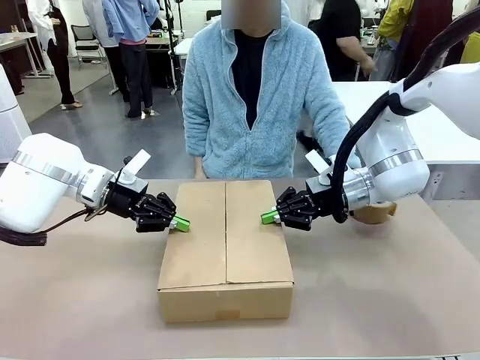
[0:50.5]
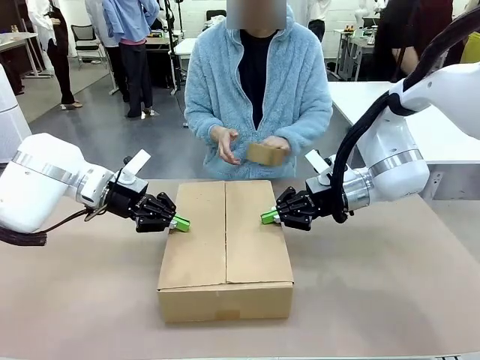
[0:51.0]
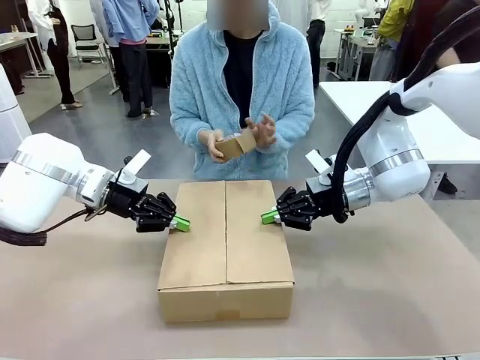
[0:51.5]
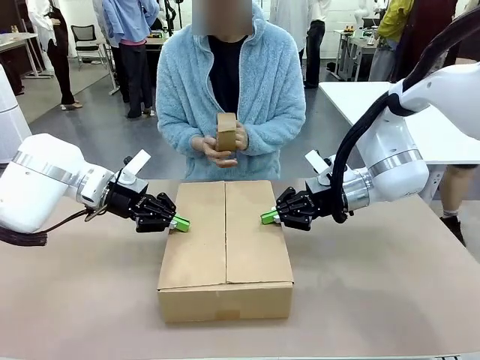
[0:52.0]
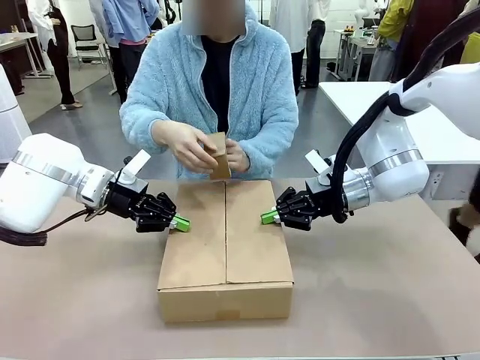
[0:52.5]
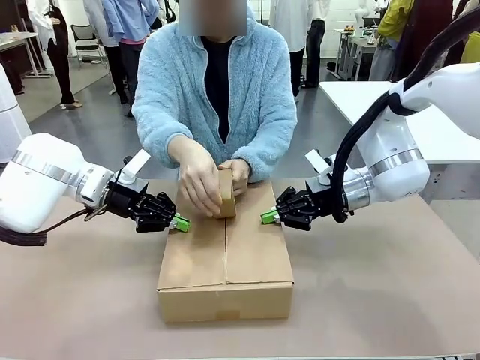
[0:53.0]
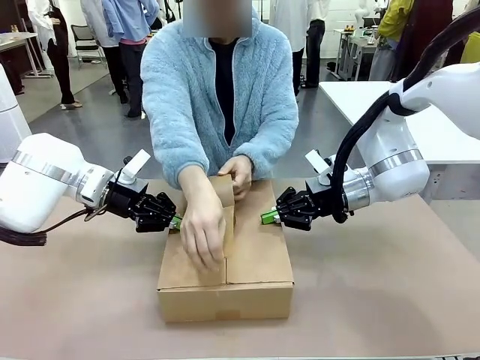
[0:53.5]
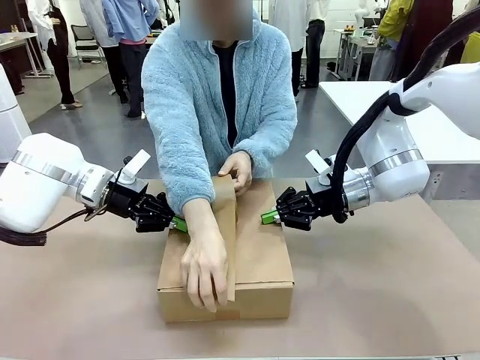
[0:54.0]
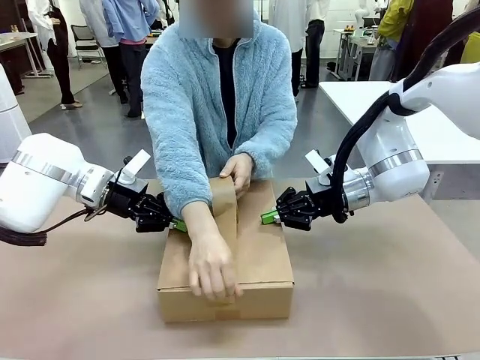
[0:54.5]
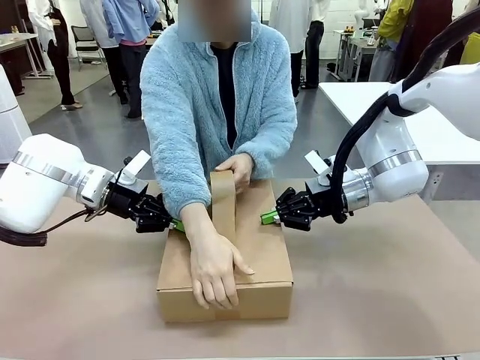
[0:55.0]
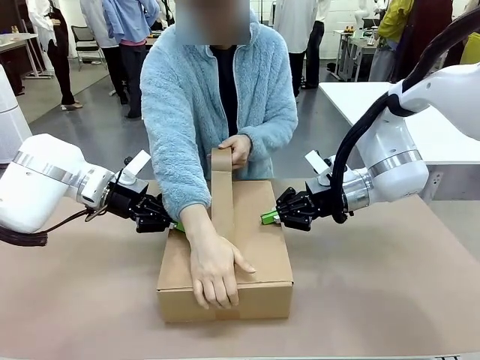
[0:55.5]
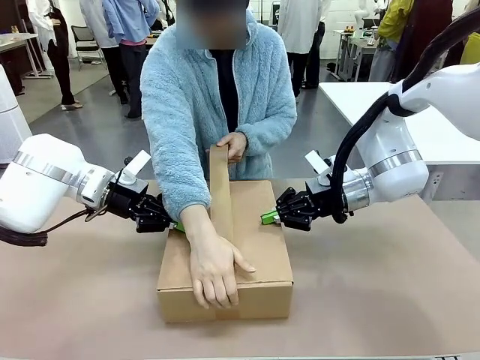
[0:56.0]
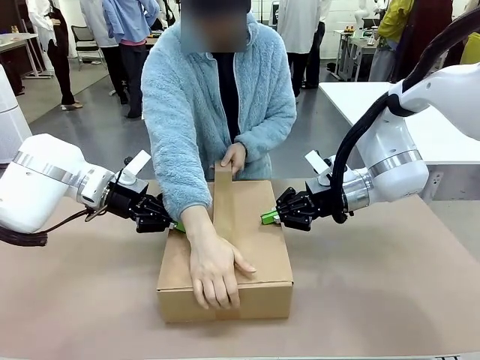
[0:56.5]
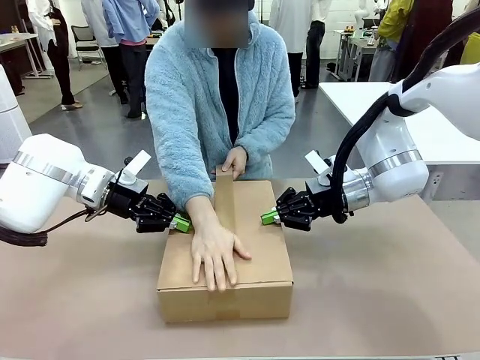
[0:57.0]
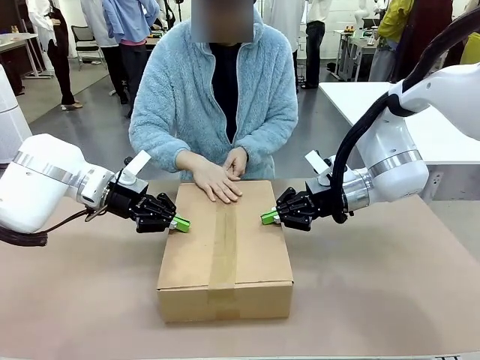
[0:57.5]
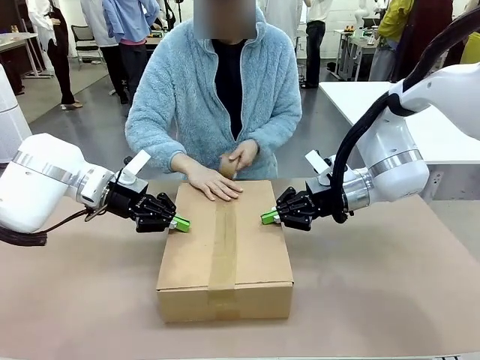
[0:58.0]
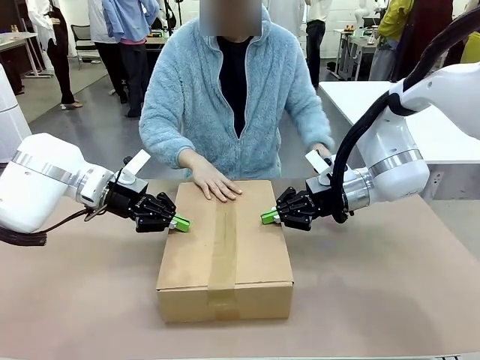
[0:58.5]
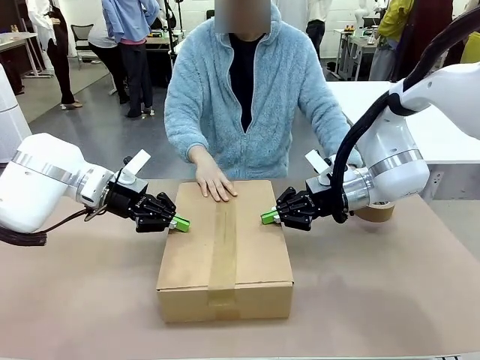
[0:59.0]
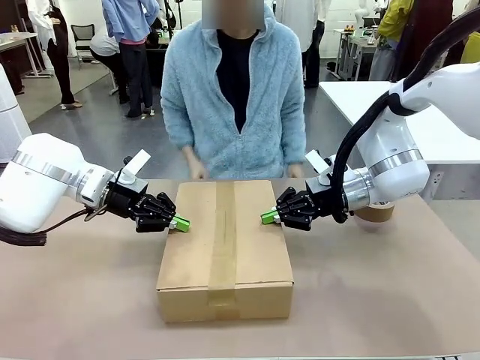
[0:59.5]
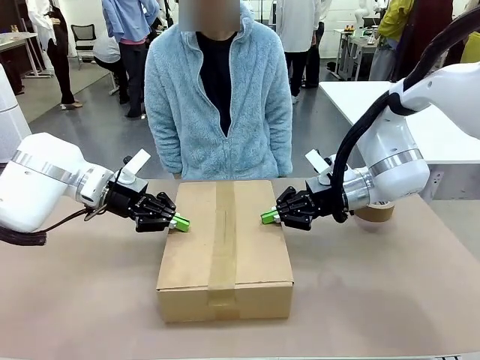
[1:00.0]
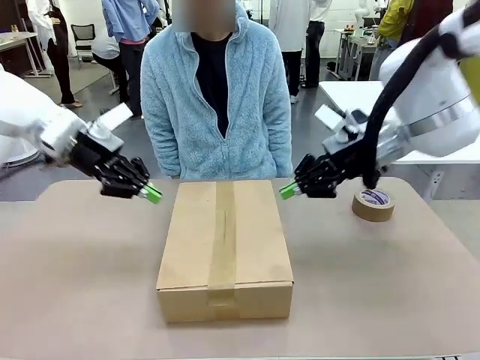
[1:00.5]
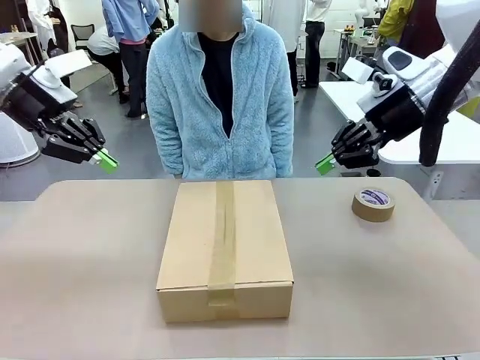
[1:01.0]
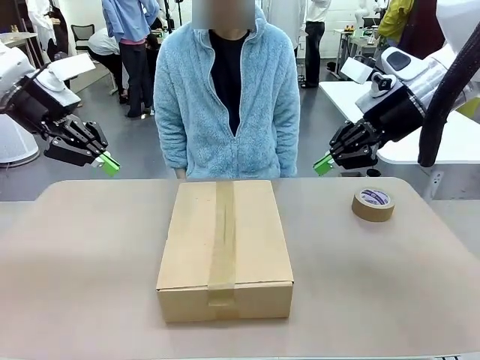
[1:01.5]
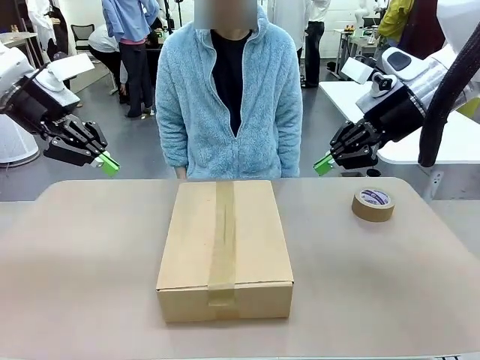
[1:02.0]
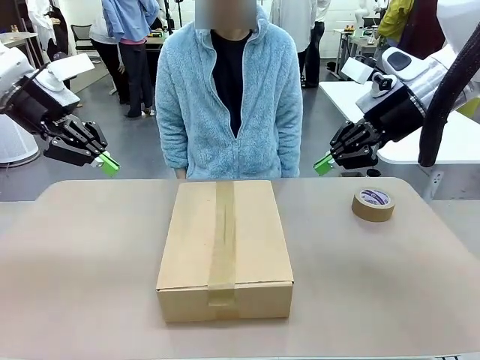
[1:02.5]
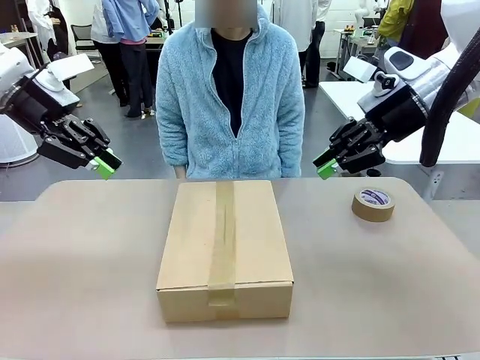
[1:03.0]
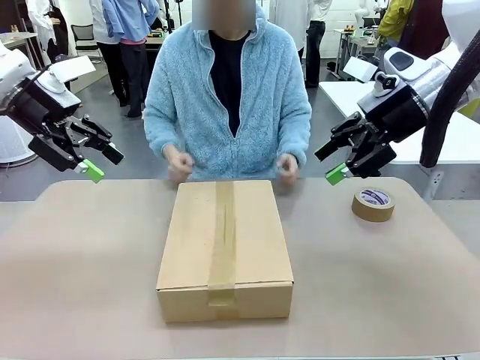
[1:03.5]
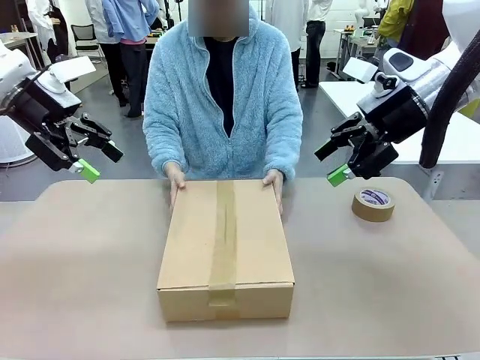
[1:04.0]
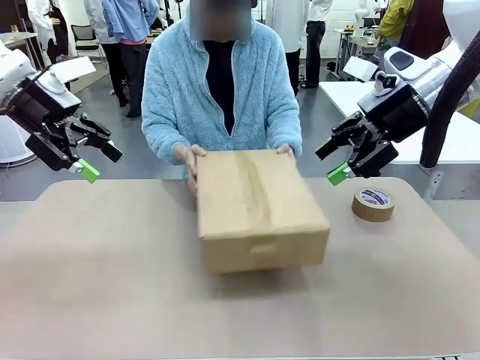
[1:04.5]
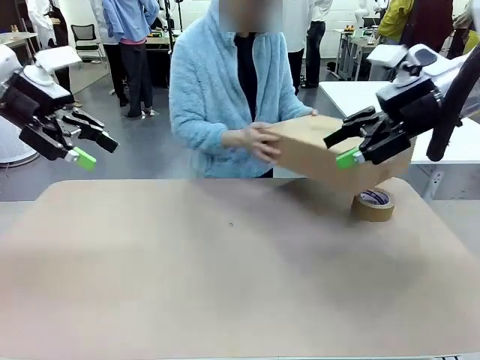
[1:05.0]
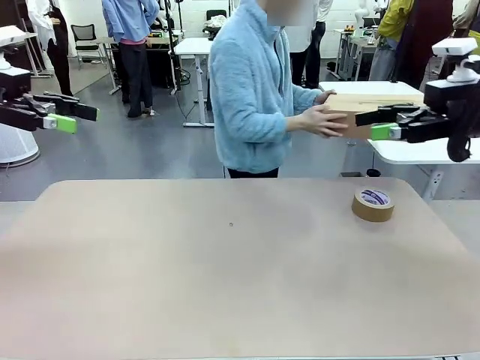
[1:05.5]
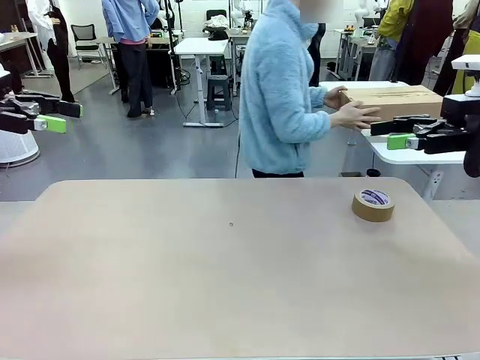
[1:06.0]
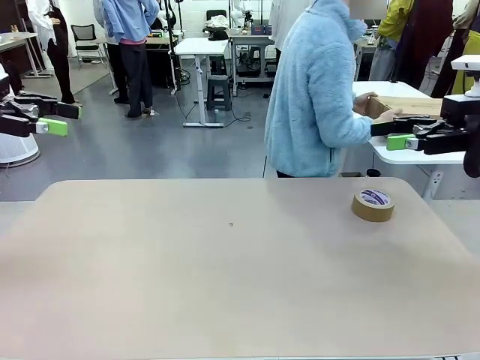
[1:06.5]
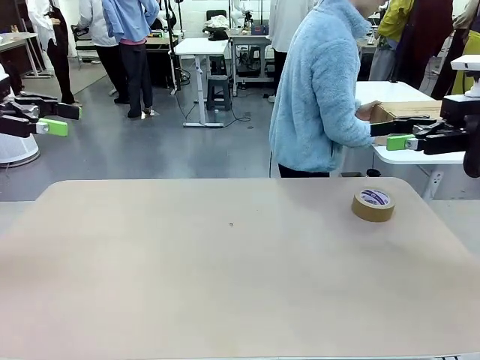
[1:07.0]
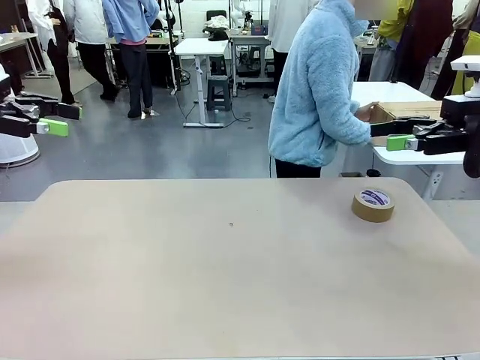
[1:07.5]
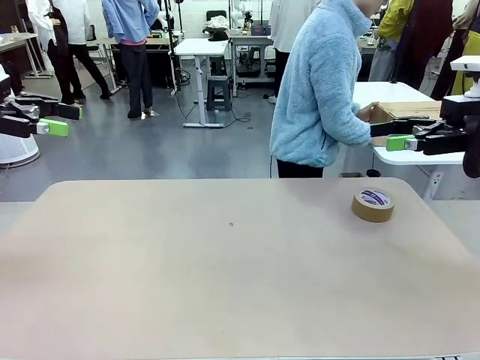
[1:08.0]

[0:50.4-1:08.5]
Task: Wrap the clocks to prevent damage.
Robot: After the human seals the box with tape, release both hands from the side flaps of the Package Box.
Person: Once the robot closes the left flap of the Package Box , seal the box with Paper Tape. Place sealed Package Box in the middle of the human's table.

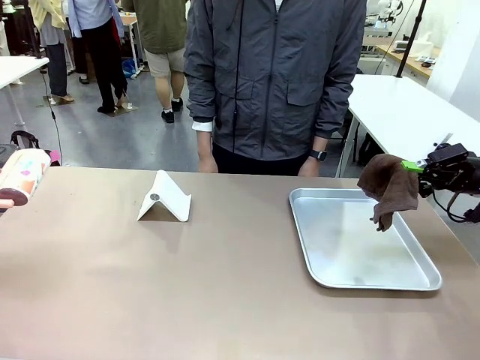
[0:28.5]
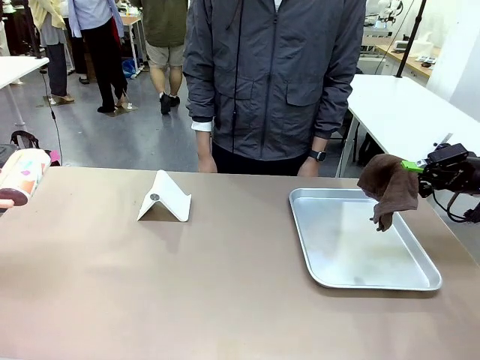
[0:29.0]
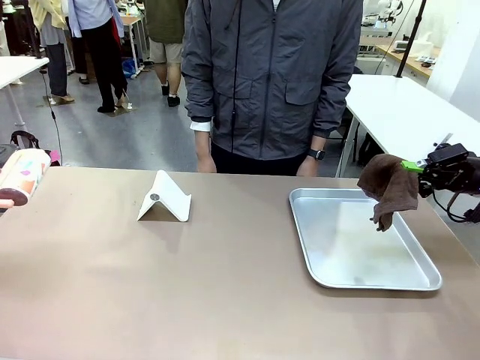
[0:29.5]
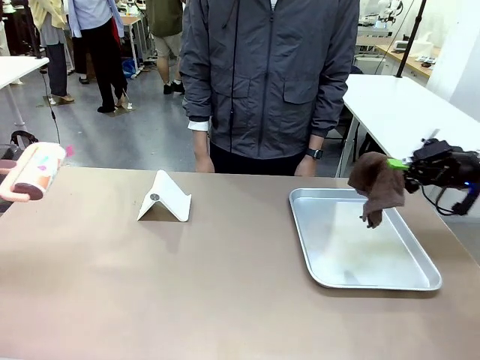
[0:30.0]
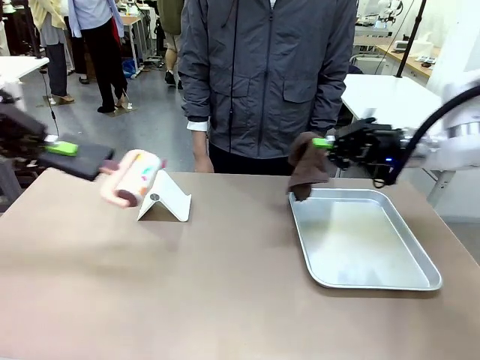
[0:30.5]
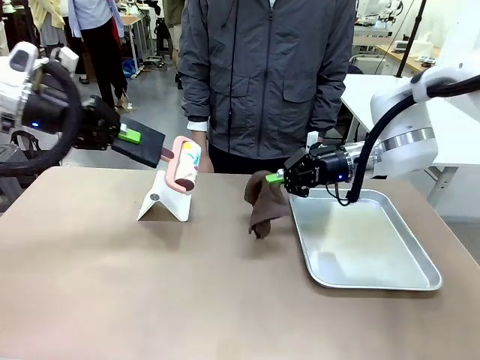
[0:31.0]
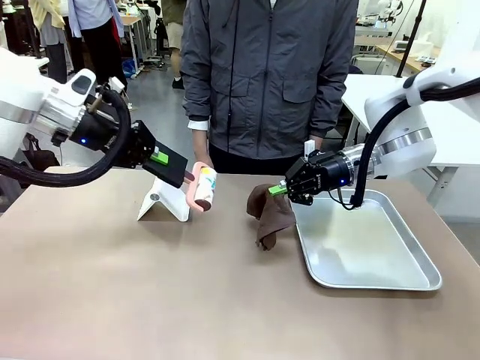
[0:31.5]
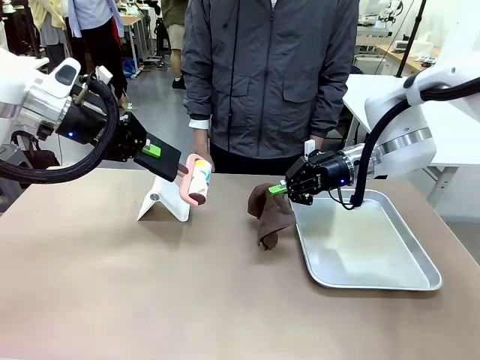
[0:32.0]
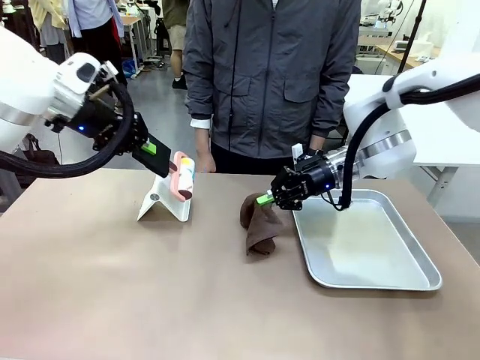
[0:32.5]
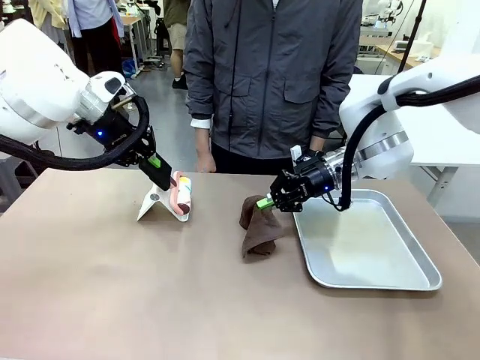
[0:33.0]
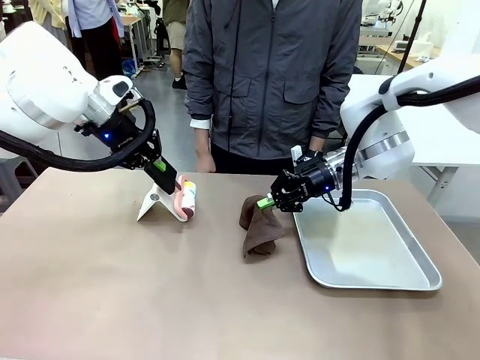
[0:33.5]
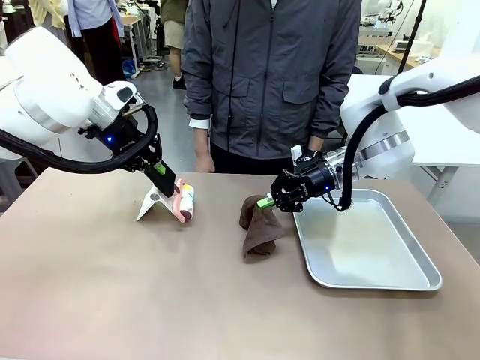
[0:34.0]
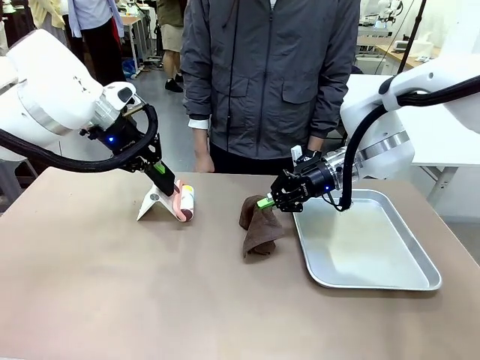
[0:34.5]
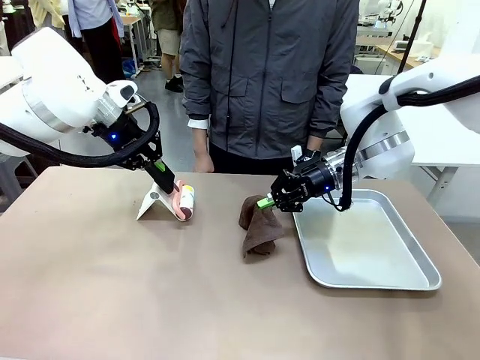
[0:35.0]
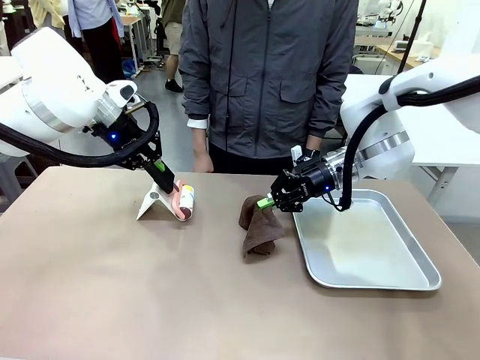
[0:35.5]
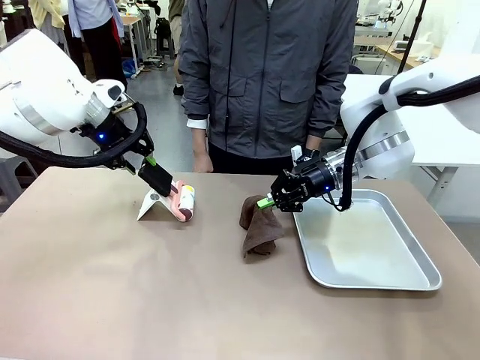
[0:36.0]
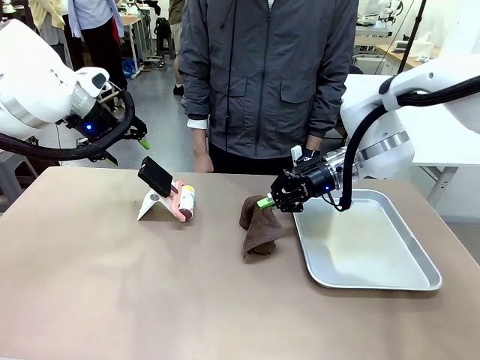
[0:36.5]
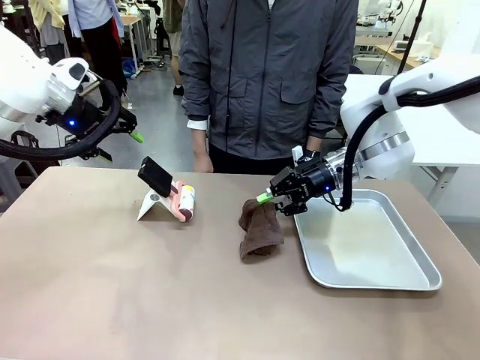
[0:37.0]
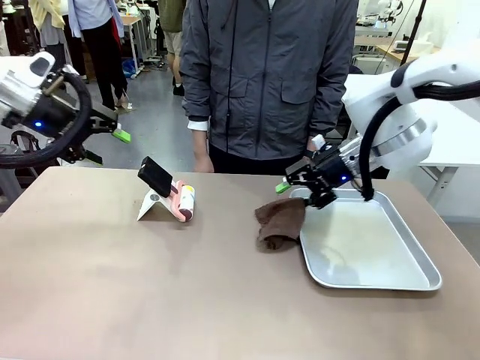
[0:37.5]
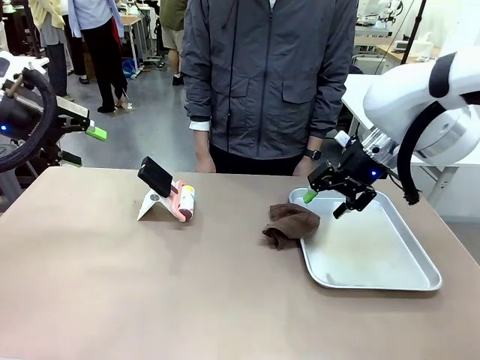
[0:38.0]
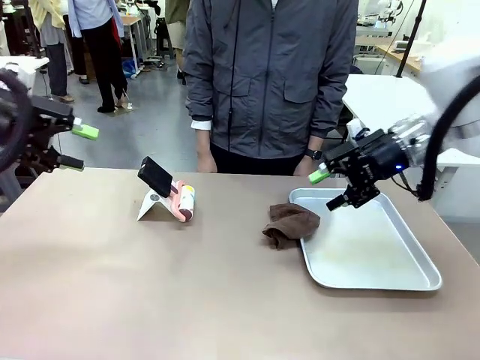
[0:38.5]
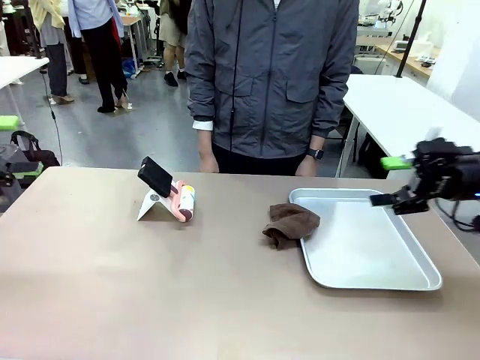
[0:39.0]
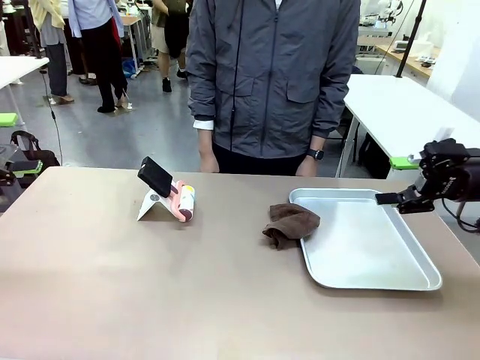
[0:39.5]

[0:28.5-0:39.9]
Task: Clean the surface of the table.
Robot: Return the Lint Roller and towel to their original positions.
